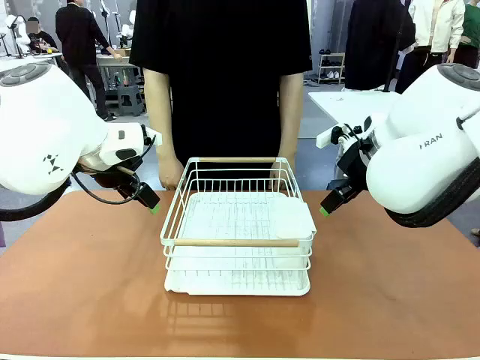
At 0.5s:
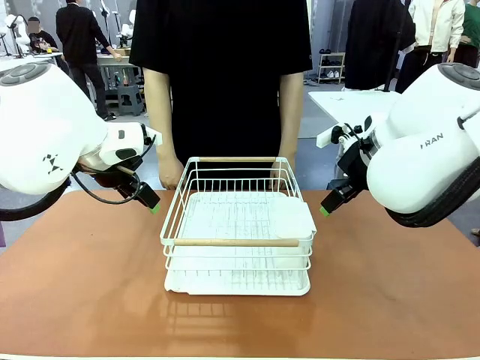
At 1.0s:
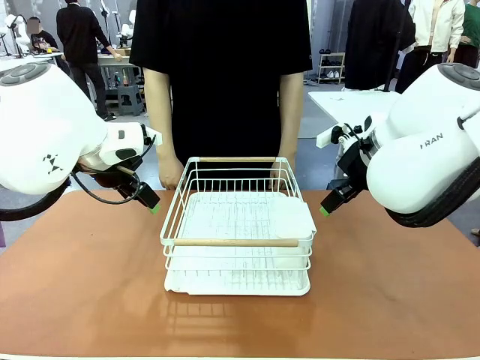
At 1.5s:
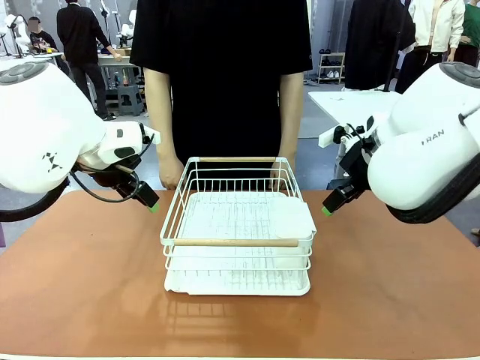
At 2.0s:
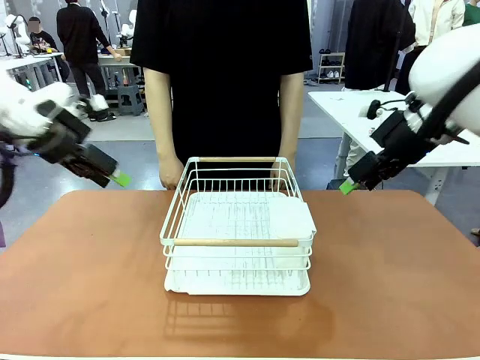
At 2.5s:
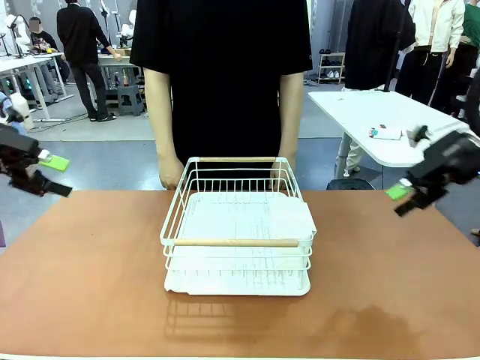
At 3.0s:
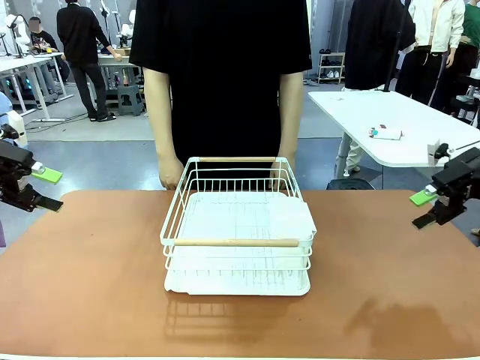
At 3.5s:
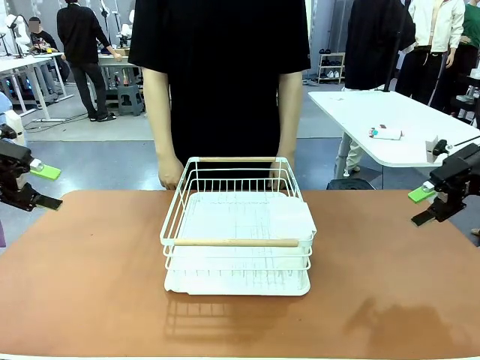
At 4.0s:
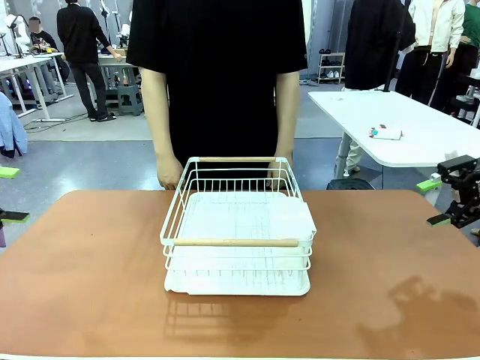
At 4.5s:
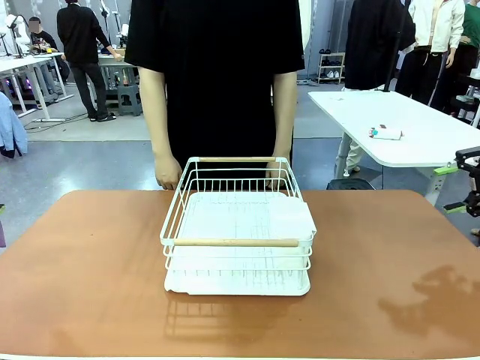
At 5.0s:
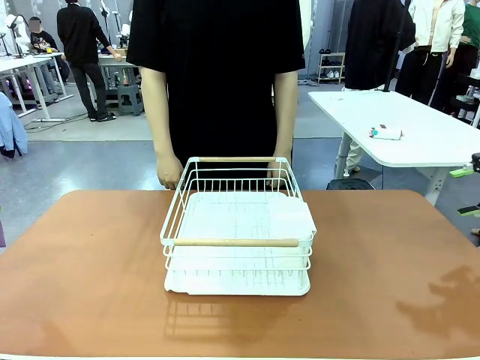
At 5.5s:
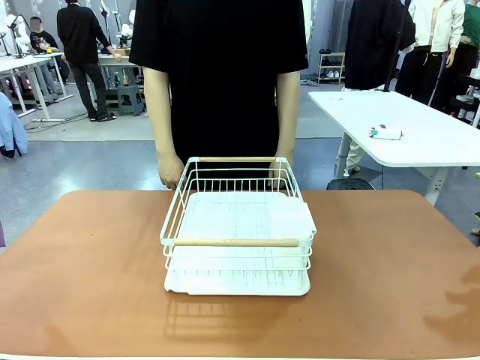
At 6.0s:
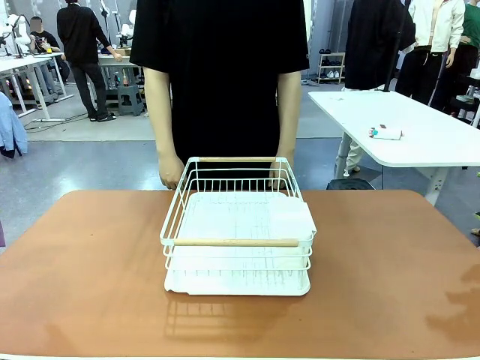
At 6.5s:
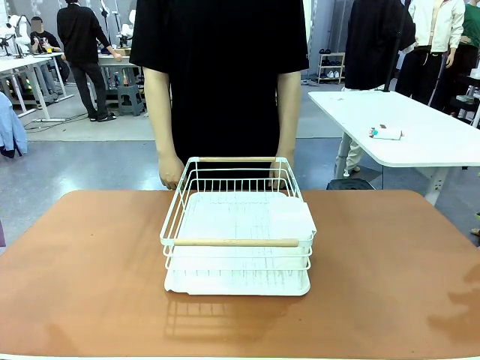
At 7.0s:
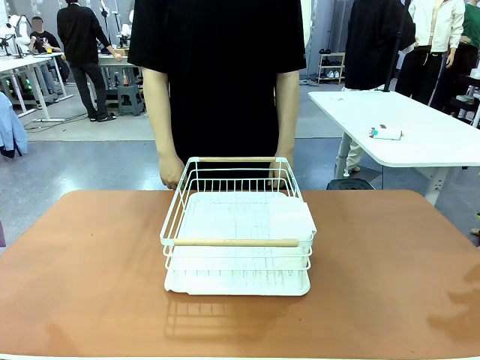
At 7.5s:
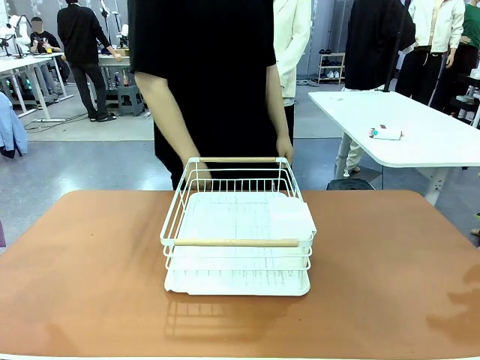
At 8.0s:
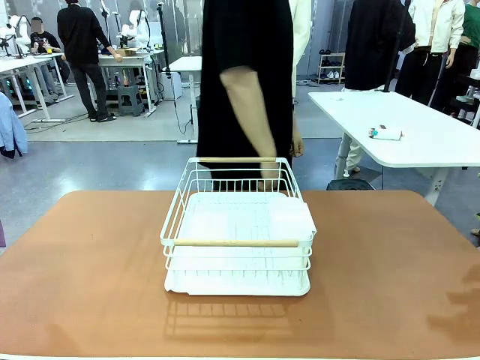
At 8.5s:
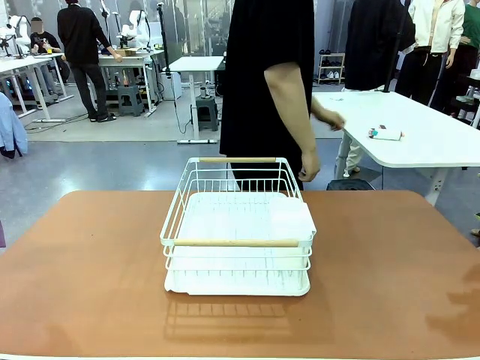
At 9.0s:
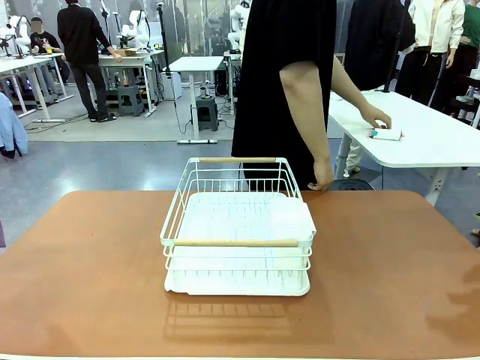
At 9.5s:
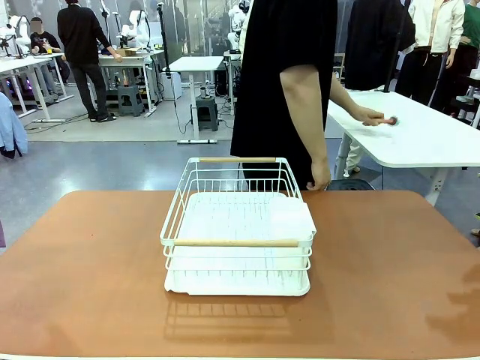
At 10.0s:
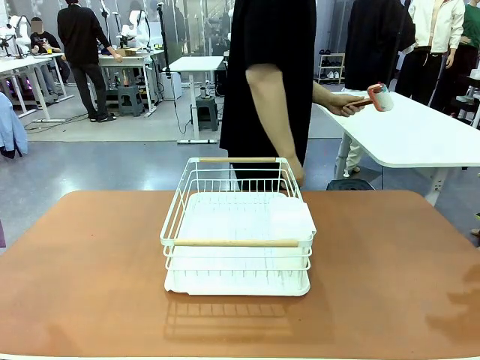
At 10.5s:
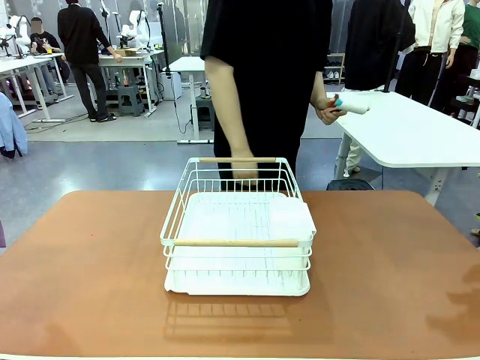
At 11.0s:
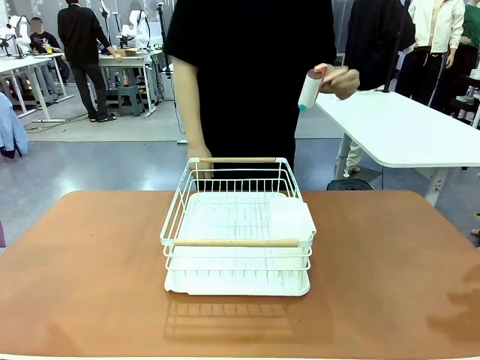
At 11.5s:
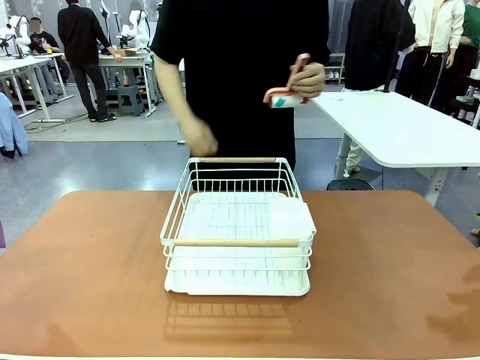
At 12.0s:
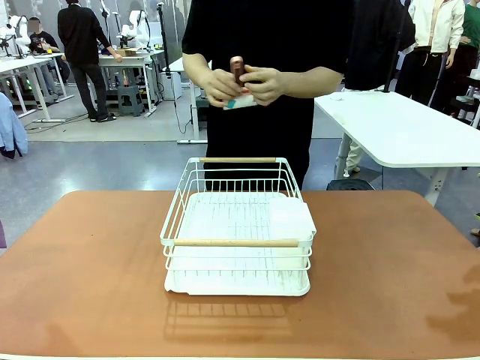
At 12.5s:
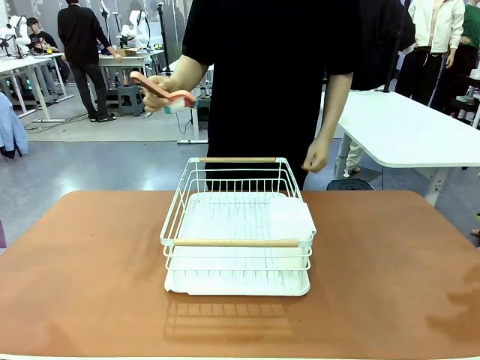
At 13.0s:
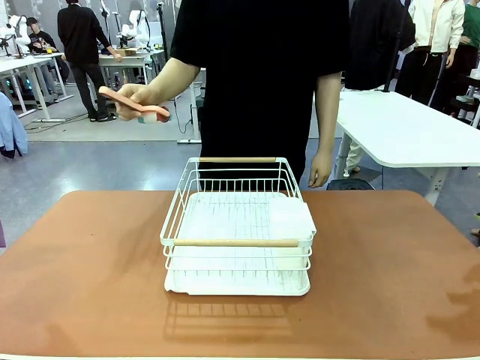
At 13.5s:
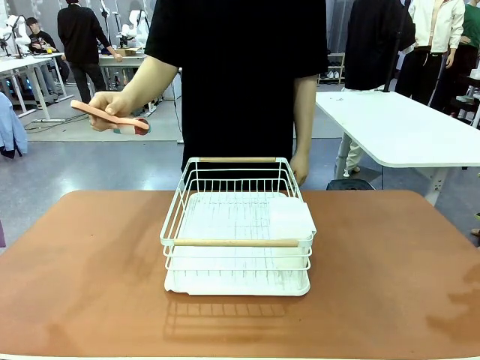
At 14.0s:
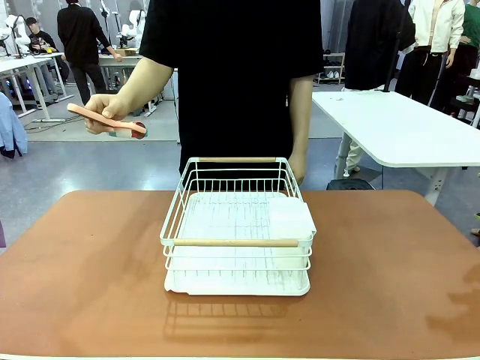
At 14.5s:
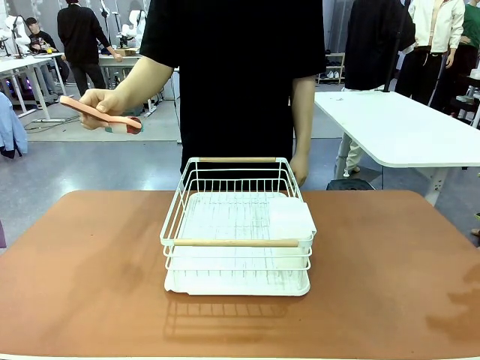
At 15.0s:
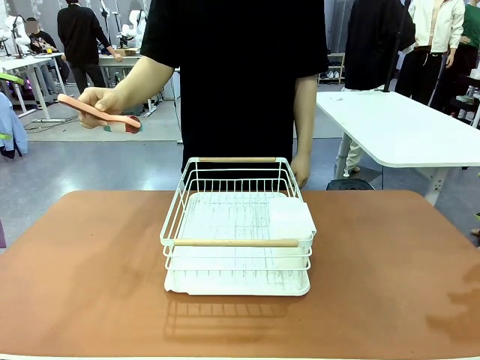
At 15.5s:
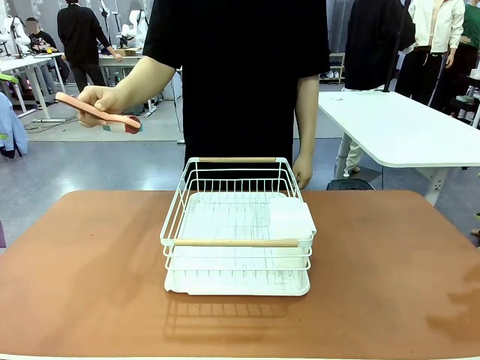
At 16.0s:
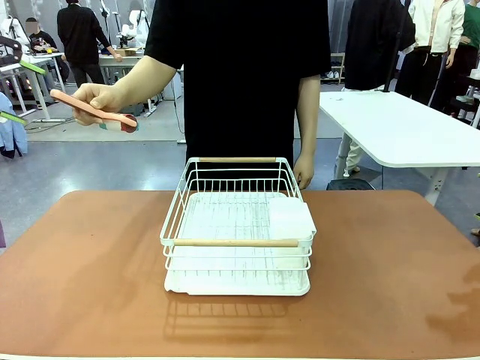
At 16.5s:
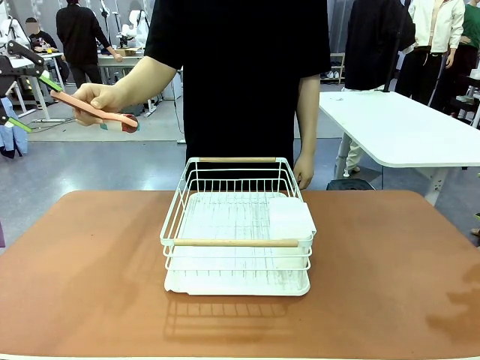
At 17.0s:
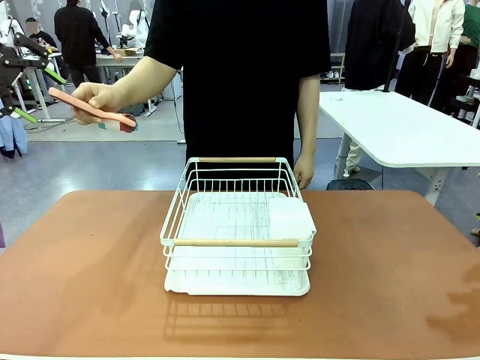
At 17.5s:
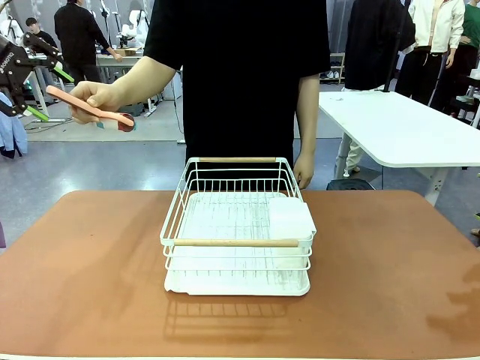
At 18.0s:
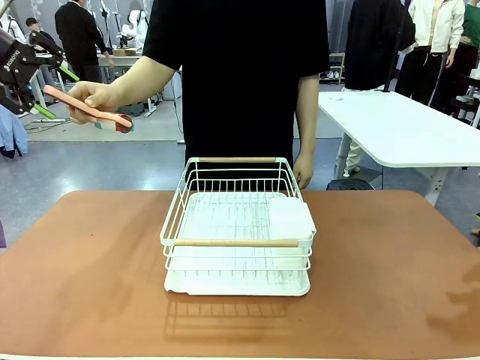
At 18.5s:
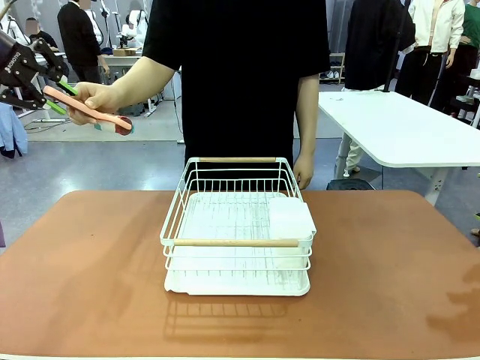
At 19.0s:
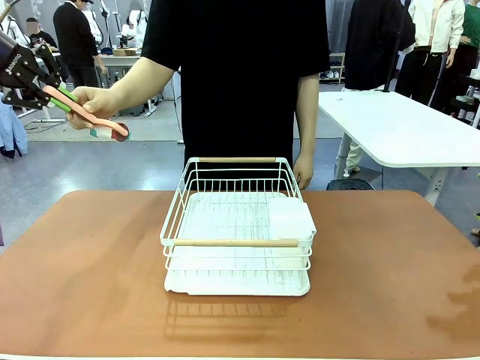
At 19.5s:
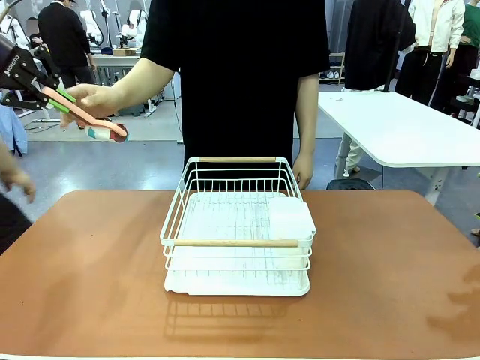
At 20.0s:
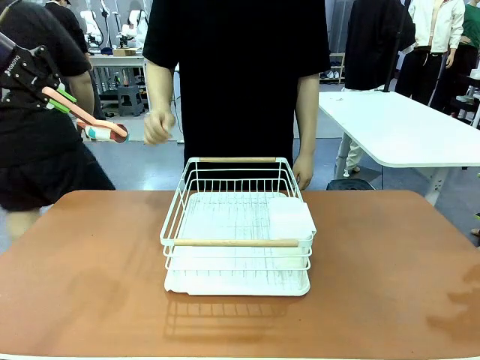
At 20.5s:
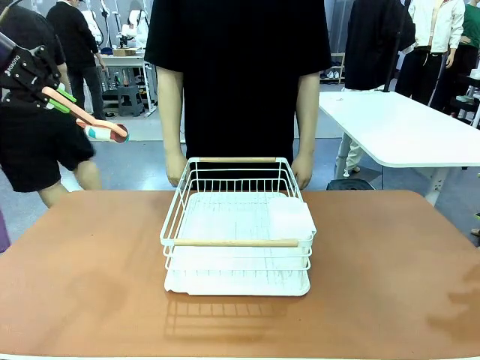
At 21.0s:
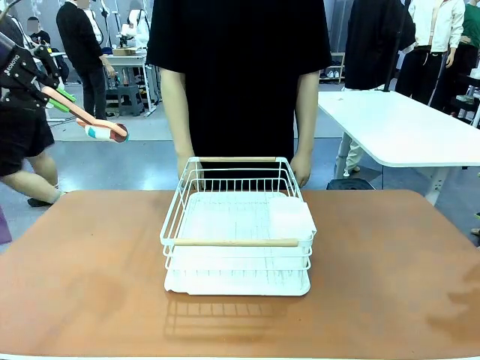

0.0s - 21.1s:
Task: Clean the table.
Robot: Pick up the Lint Roller when the human hands it over.
Person: Hand the Lint Roller to the robot so it can easily pick it up. Lift the Dish drying rack.

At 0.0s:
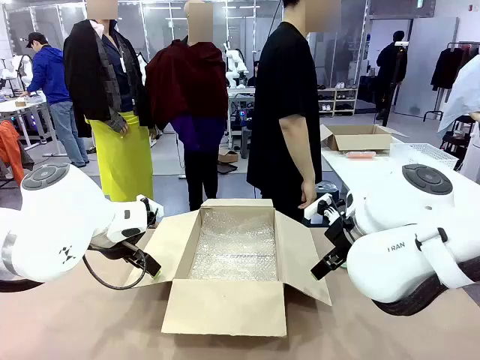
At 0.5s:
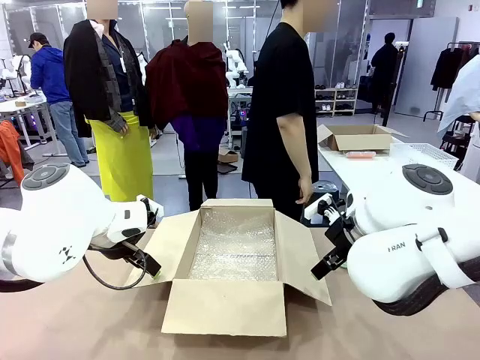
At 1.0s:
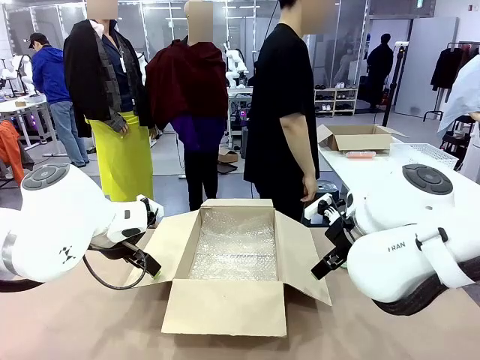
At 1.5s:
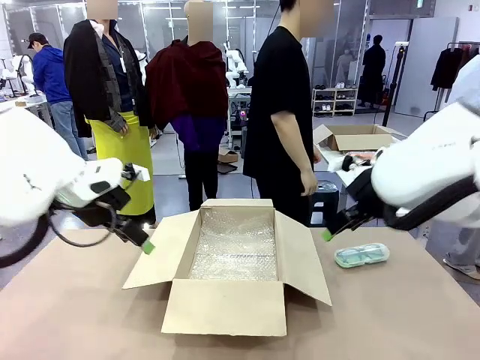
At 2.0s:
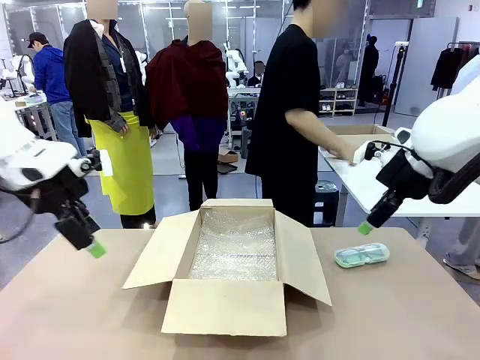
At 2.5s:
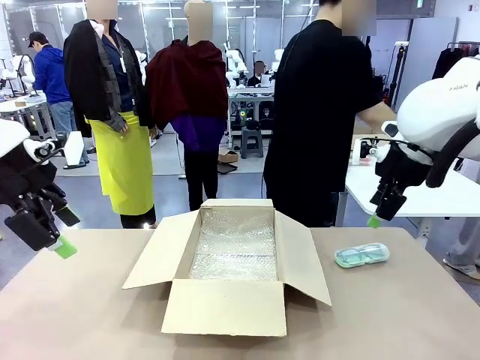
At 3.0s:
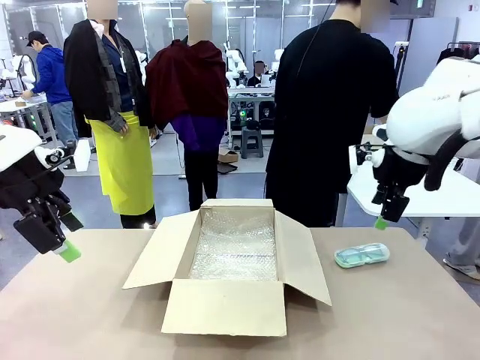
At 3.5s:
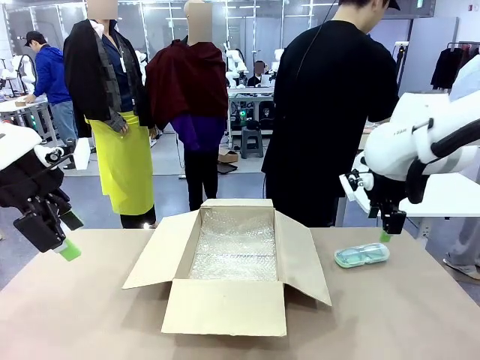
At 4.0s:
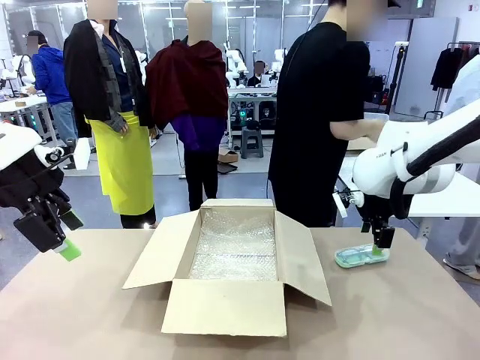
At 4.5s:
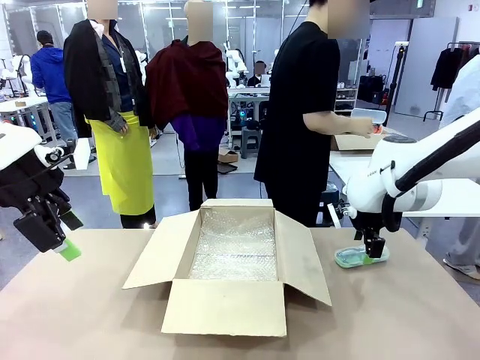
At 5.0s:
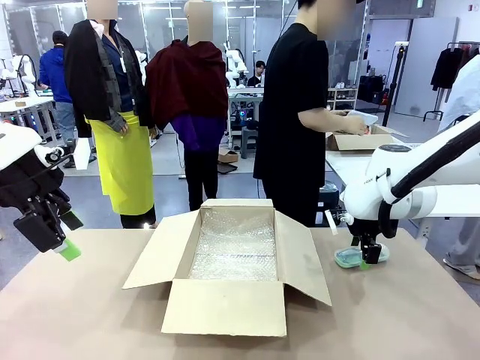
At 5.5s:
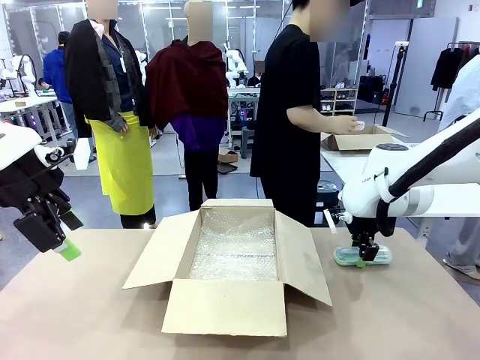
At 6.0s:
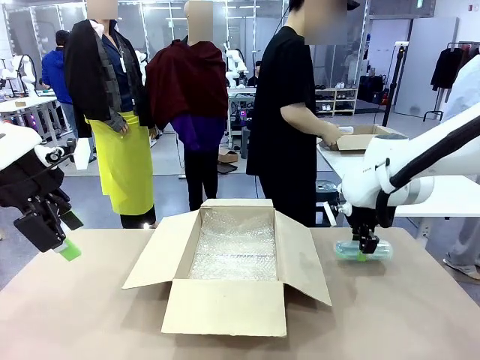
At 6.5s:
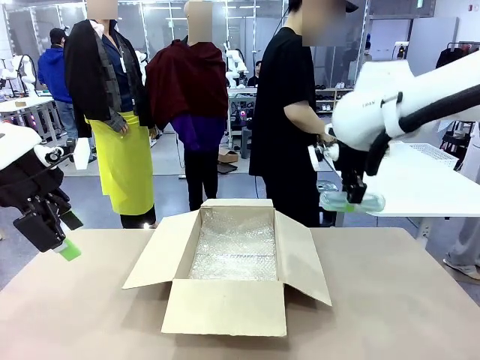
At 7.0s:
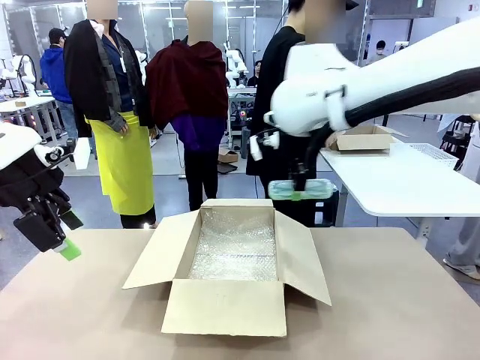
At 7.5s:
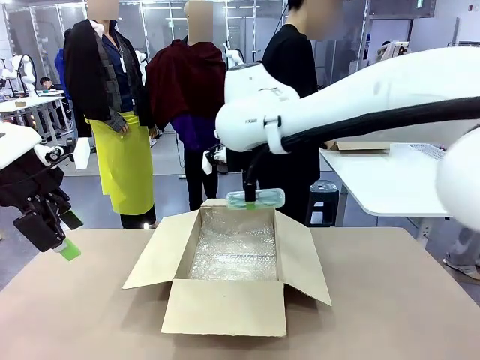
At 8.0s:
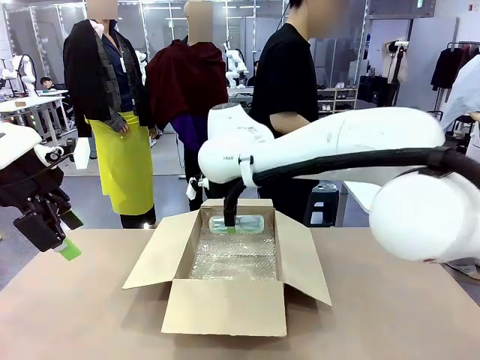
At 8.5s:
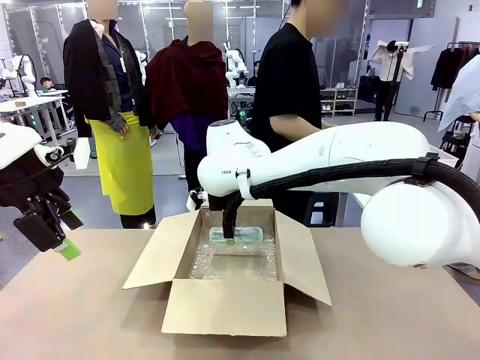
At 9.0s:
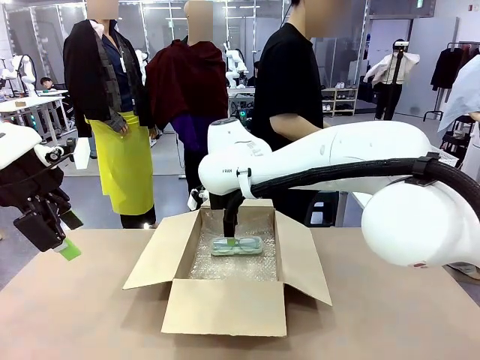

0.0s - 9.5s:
Task: Pack the glasses set securely to prepare it for shipping.
Robot: Place the Glasses case inside the Package Box.
Person: Place the Glasses inside the Glasses case.
